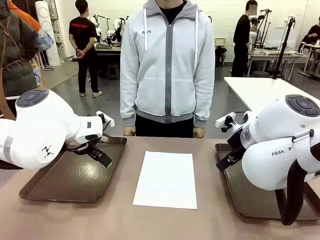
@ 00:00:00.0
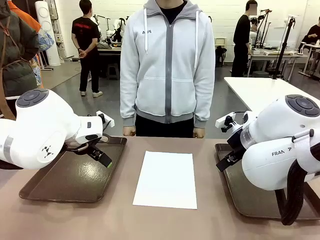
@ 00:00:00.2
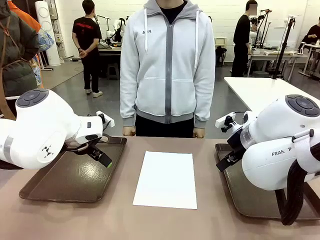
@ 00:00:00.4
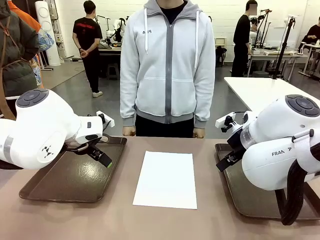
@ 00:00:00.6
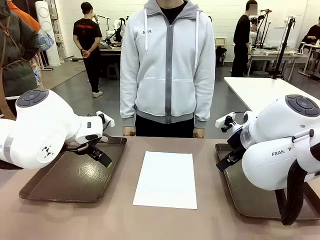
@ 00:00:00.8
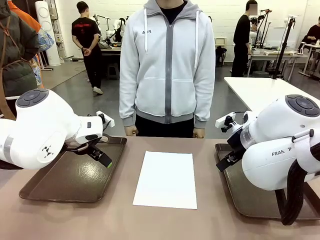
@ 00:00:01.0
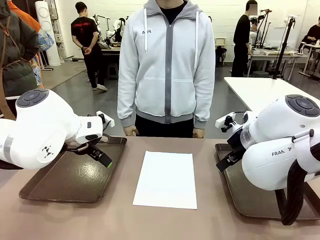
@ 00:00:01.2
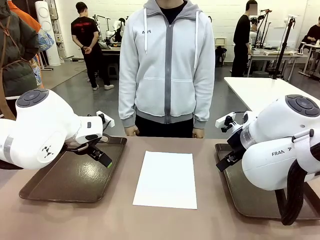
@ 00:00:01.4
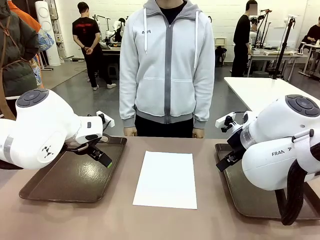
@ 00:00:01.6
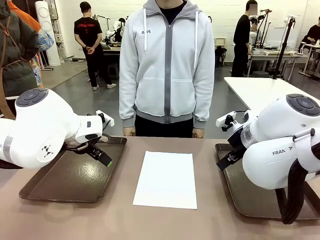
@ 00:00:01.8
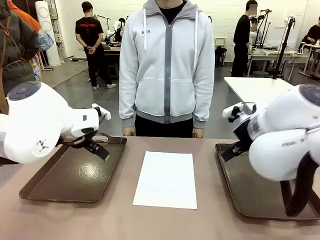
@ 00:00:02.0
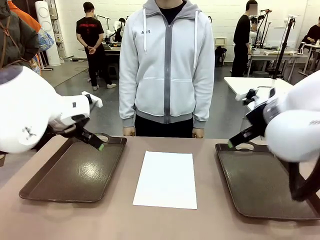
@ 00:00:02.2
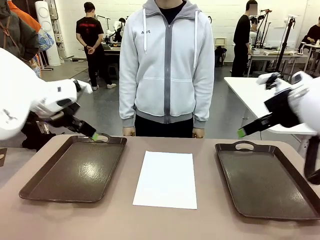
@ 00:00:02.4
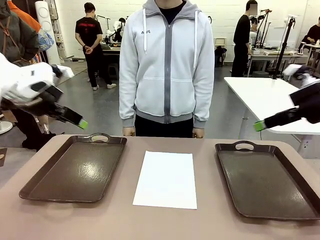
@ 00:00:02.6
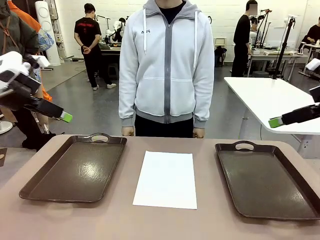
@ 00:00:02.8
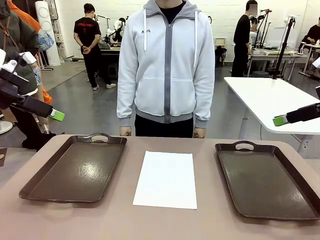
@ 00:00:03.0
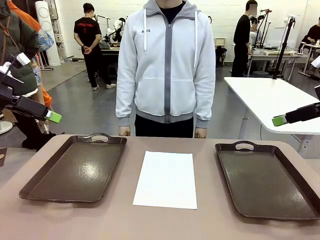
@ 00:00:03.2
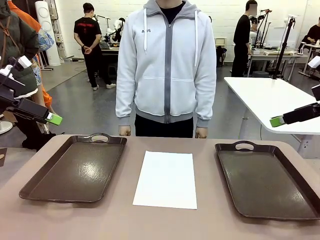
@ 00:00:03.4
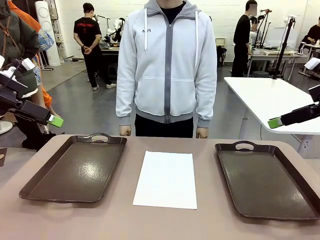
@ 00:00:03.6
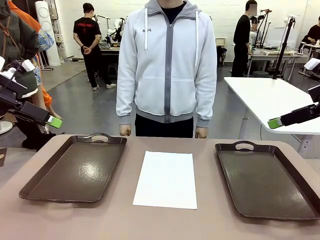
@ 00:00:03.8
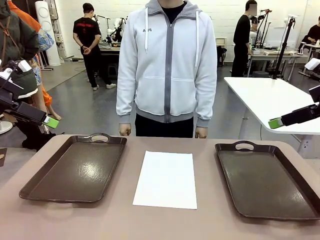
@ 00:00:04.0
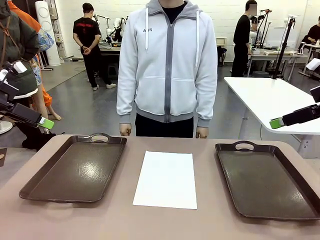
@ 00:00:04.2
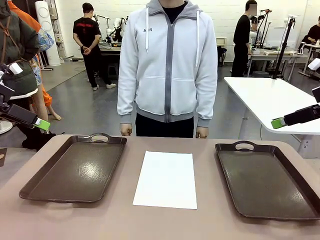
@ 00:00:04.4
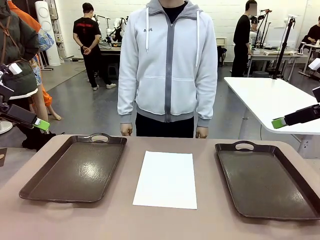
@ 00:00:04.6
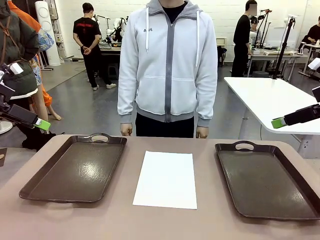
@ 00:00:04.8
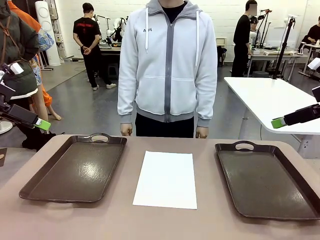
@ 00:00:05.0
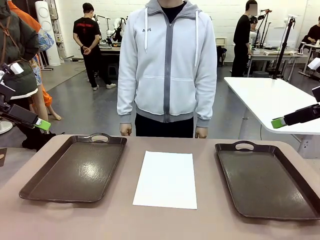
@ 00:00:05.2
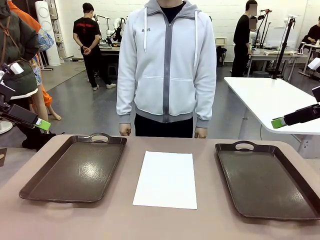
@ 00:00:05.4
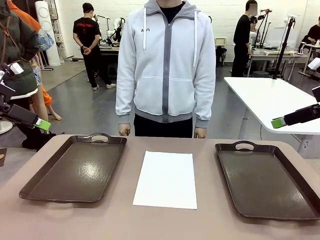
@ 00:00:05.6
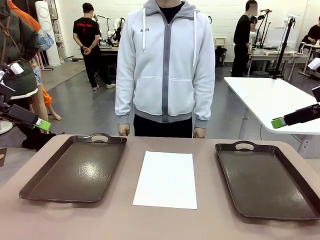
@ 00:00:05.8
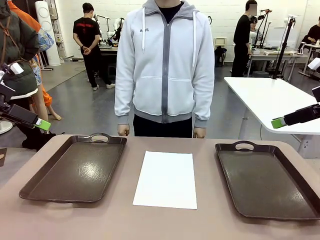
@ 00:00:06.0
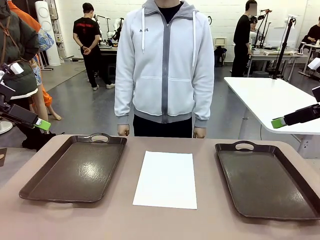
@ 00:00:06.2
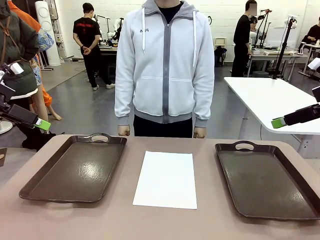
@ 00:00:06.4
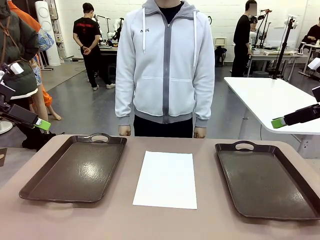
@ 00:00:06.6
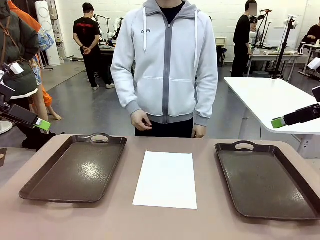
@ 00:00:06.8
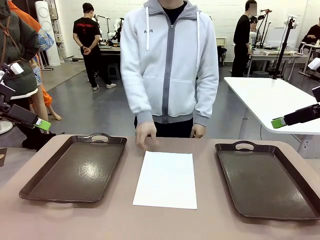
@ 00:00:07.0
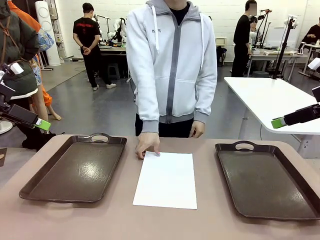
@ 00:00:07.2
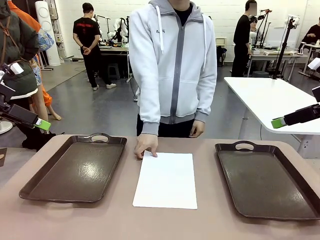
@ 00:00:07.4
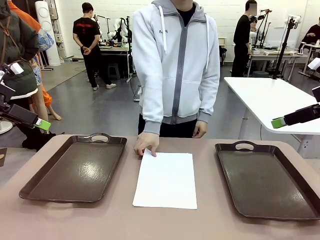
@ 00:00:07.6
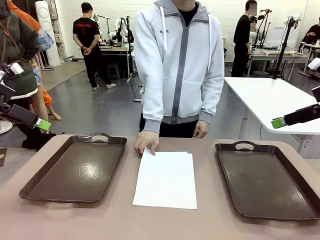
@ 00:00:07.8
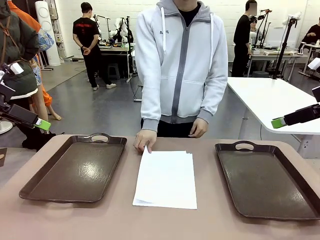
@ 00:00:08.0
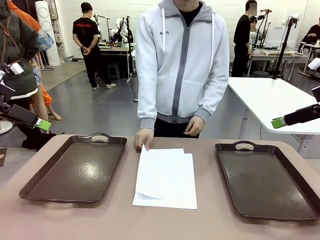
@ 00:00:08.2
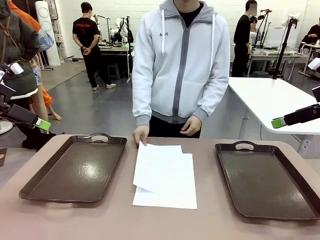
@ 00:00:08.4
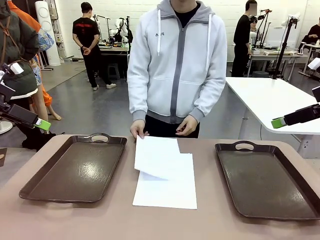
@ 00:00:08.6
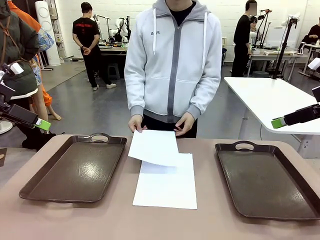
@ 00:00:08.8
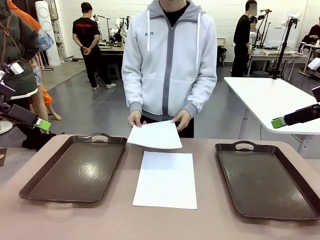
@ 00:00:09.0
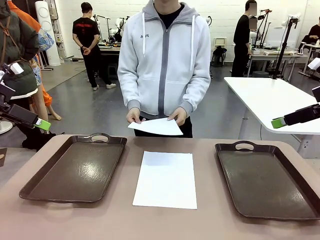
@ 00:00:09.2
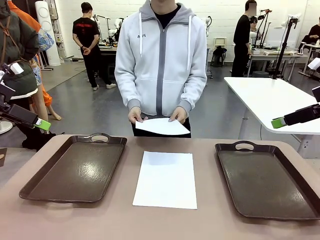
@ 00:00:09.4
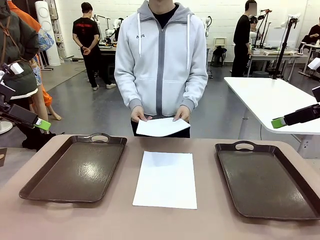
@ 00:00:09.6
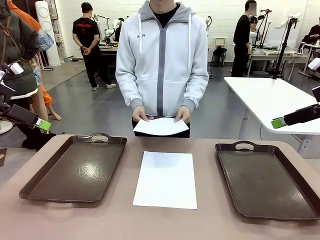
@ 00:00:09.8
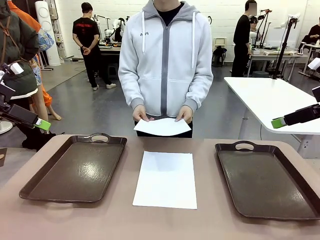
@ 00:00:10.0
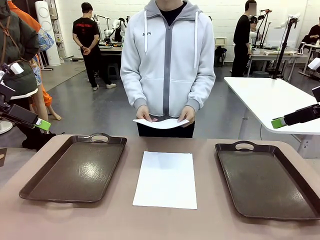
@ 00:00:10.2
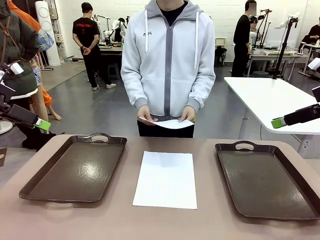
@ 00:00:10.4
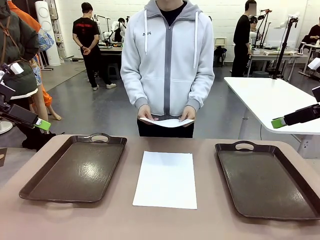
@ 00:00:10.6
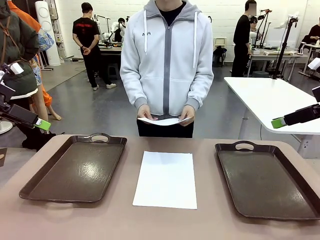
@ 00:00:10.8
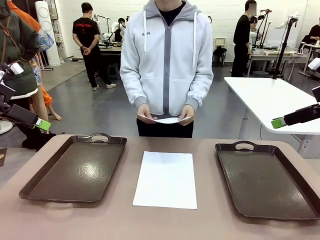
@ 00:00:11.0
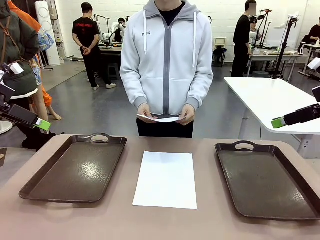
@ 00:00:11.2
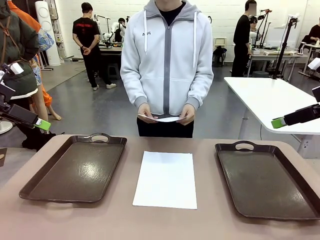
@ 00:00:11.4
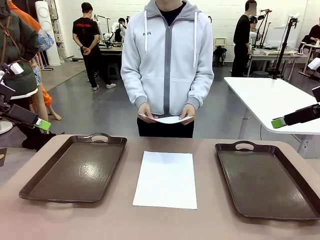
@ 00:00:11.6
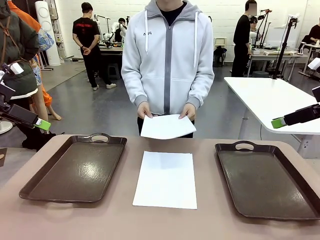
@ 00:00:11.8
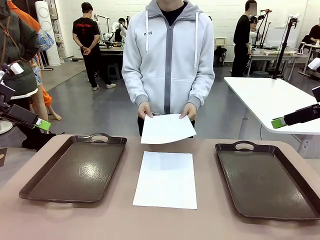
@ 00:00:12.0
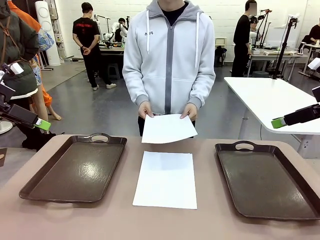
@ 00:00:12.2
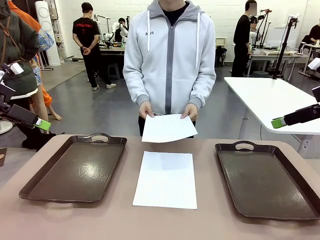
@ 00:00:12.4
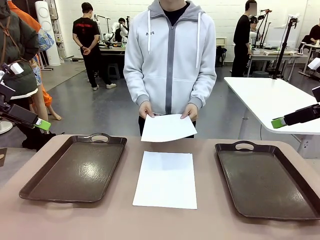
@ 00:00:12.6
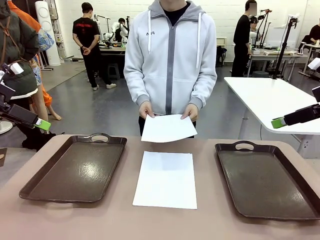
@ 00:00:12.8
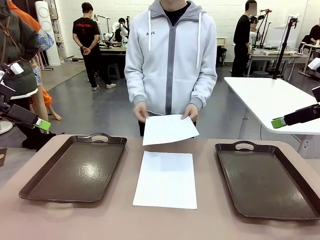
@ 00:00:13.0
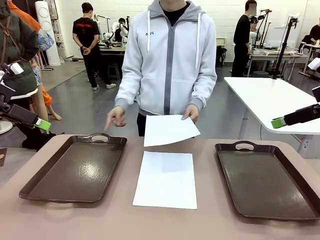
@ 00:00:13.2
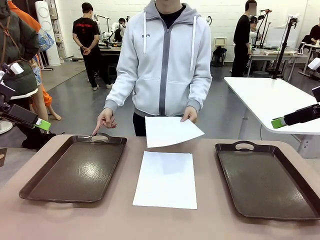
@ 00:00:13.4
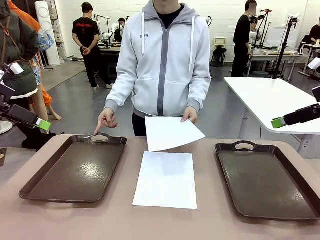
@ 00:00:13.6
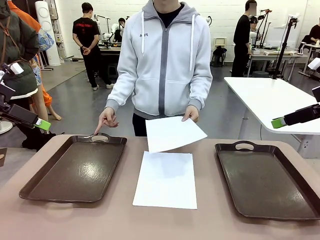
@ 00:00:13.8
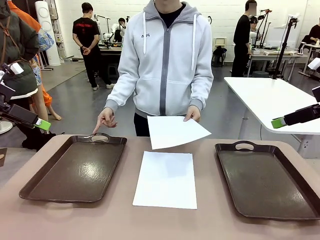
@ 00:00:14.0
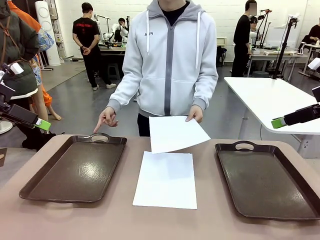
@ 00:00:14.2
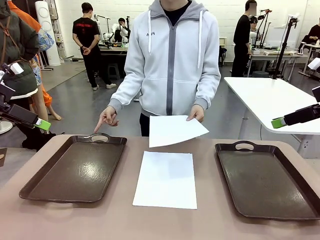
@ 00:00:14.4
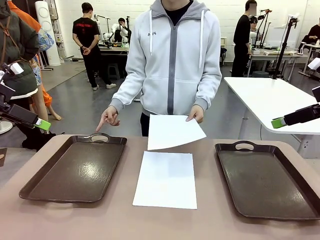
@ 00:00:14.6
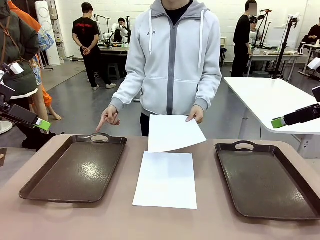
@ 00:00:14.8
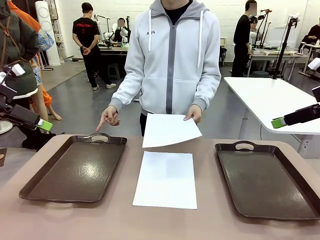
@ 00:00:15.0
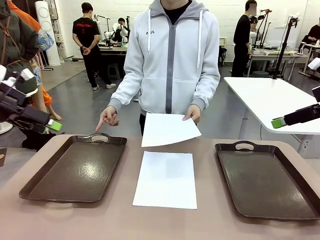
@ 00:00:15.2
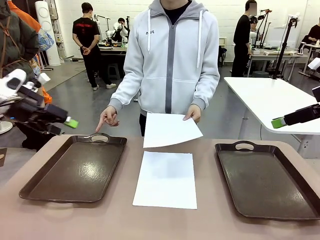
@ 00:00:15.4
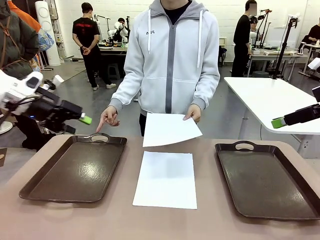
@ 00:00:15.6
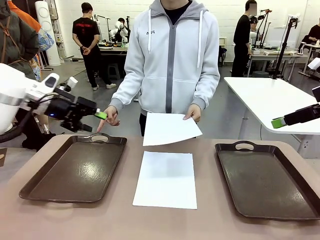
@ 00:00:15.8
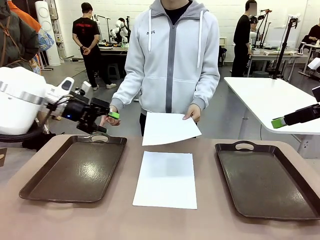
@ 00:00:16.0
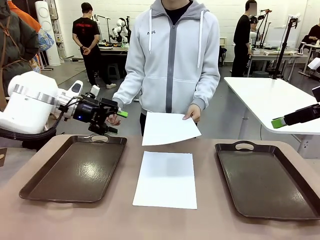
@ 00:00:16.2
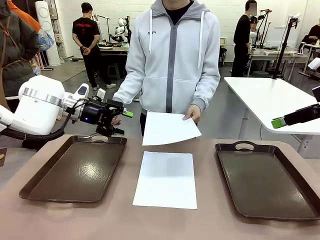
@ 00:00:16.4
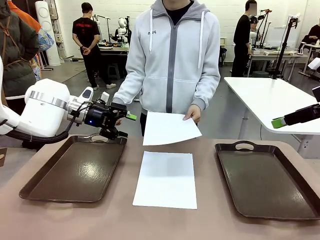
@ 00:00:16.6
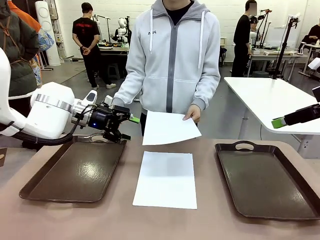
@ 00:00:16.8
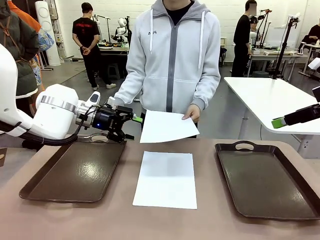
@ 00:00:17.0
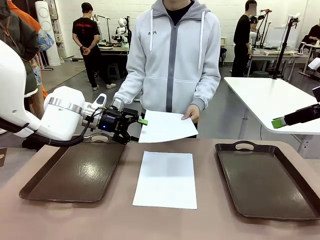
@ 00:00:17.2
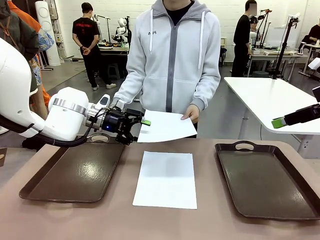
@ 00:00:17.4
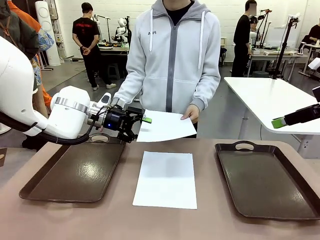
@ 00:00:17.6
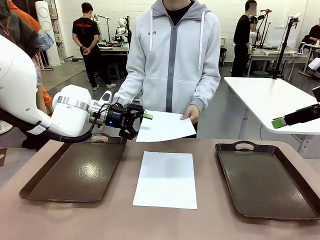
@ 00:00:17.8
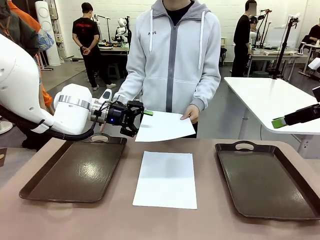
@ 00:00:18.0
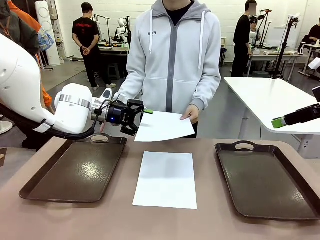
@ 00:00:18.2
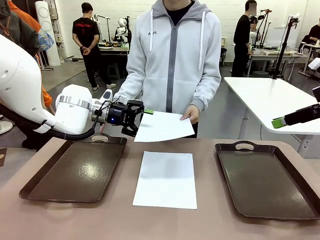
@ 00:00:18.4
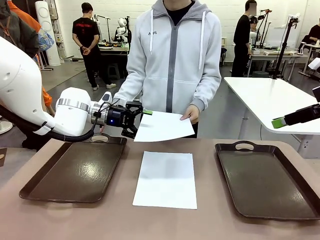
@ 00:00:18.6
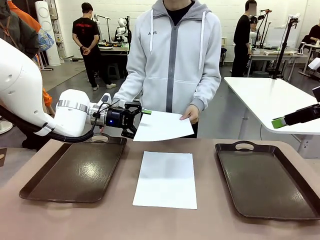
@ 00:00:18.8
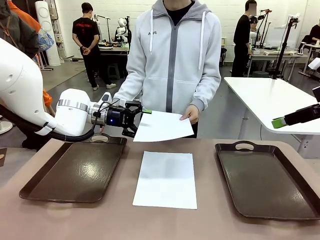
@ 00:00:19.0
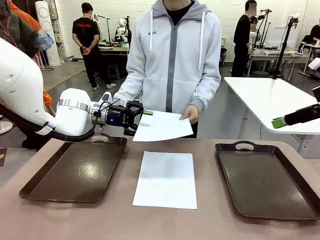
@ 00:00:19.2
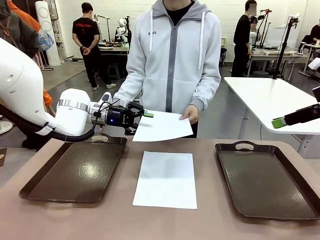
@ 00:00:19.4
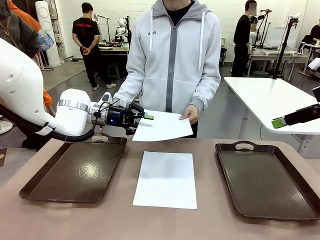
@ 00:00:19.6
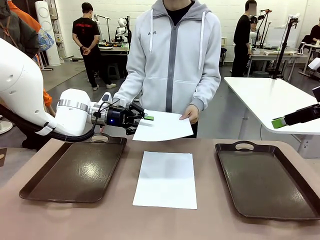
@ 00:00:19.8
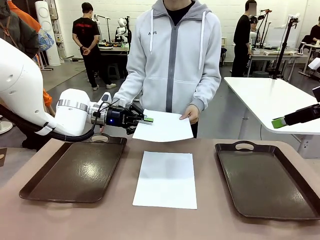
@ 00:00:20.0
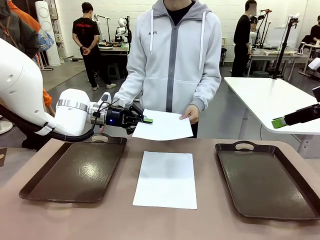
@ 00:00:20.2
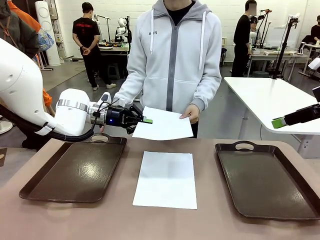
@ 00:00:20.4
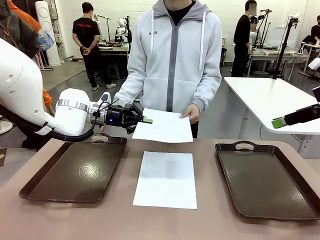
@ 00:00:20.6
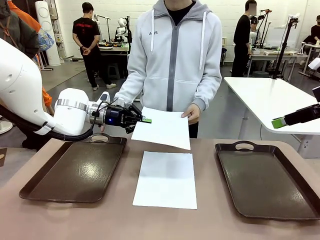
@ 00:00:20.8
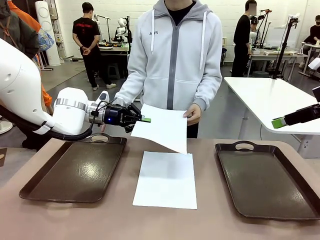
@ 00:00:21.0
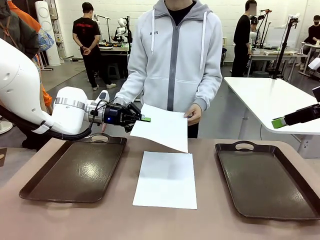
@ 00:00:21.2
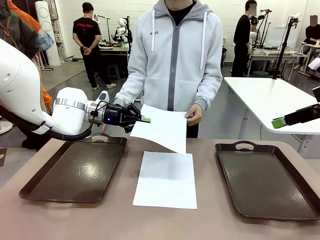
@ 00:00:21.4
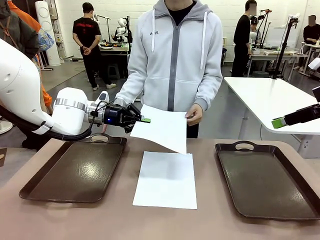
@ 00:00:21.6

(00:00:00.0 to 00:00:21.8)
Task: Sort the A4 documents.
Robot: Receive the A4 Paper.
Person: Pick up a sheet of paper from the center of the table and hand it to the robot. Point the randomly selected tray with the other hand.
